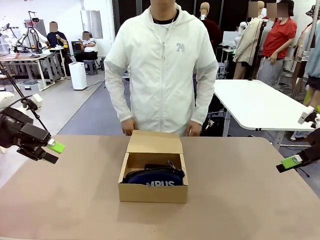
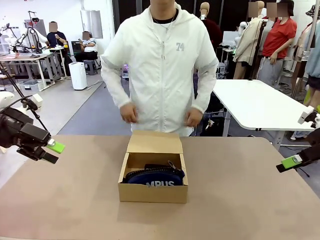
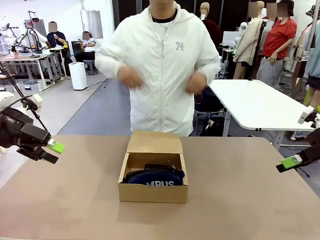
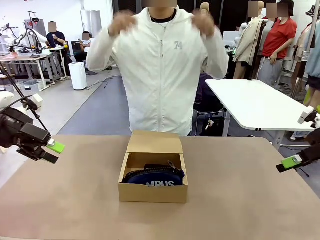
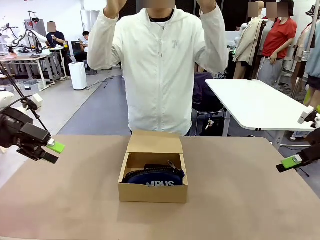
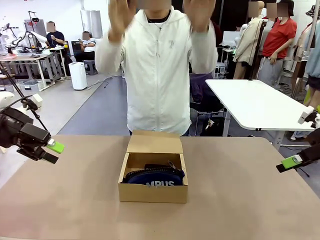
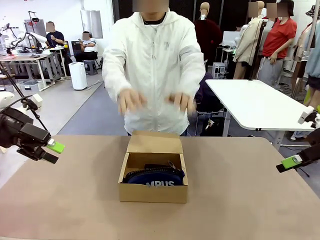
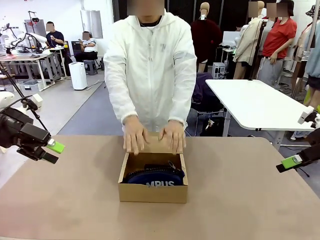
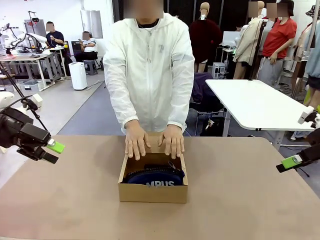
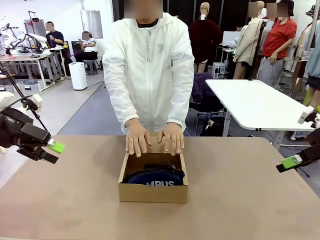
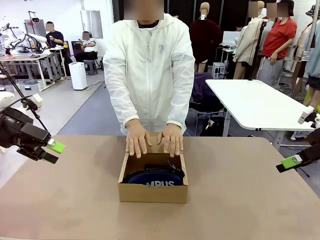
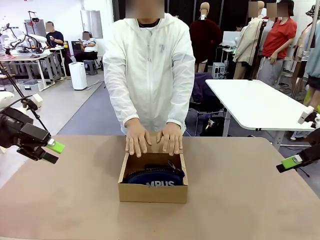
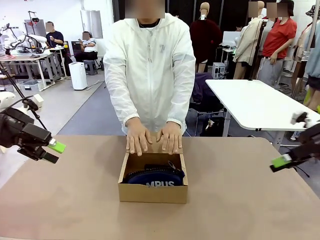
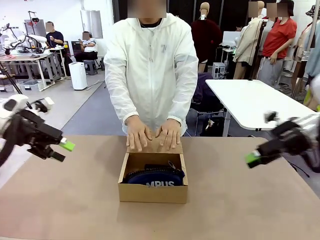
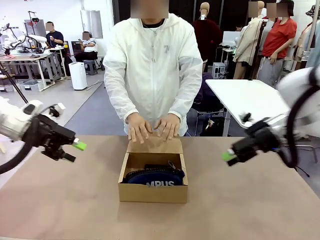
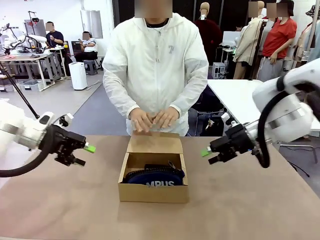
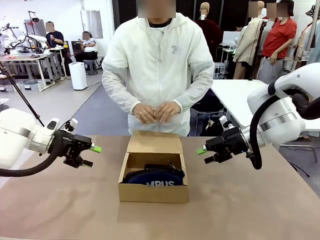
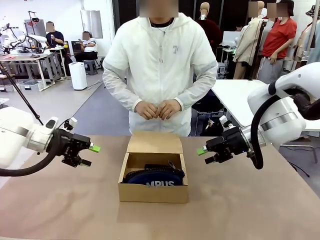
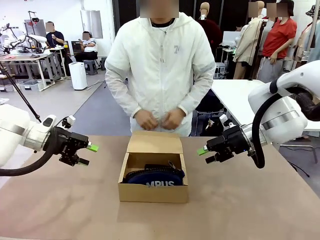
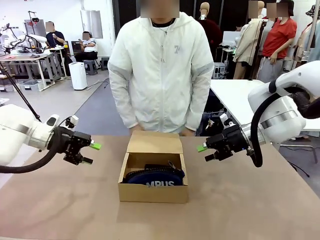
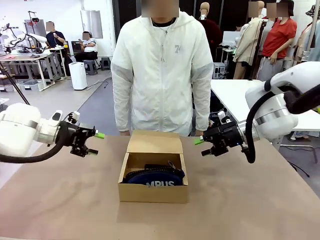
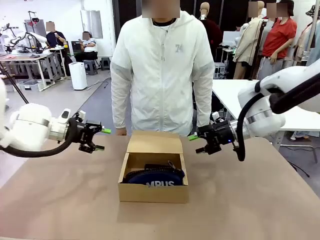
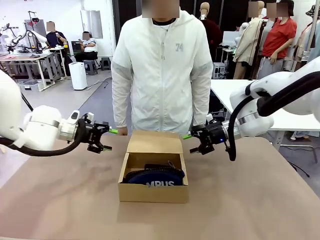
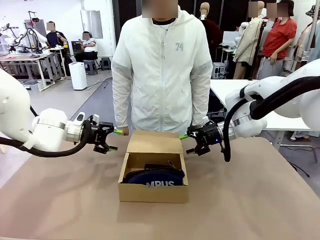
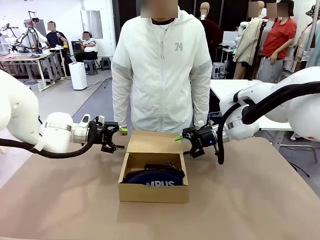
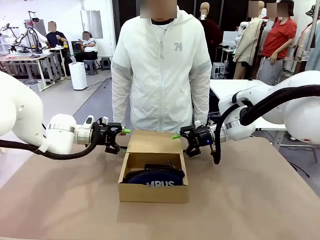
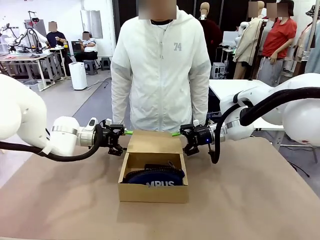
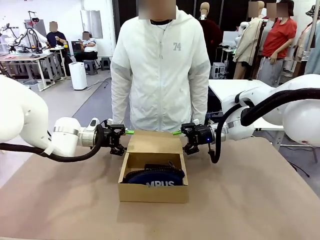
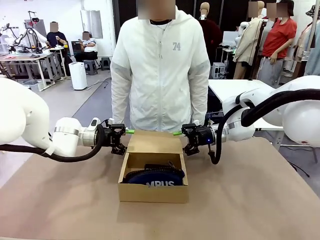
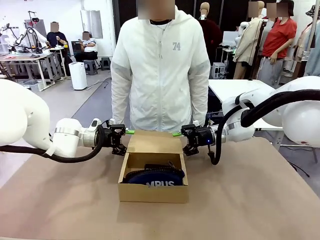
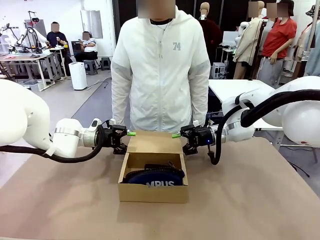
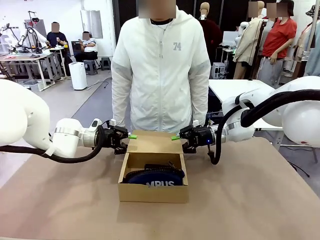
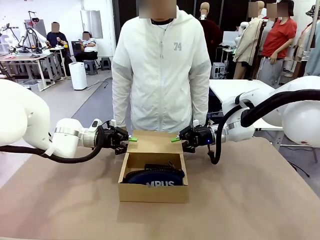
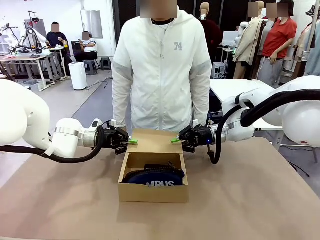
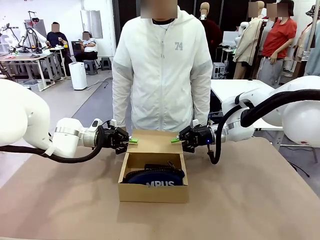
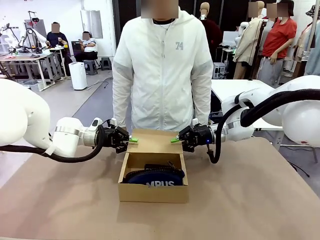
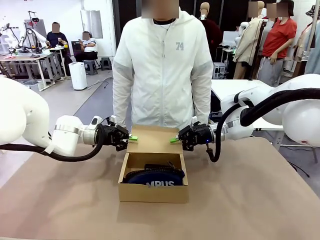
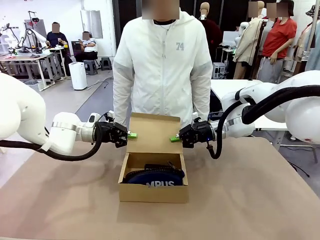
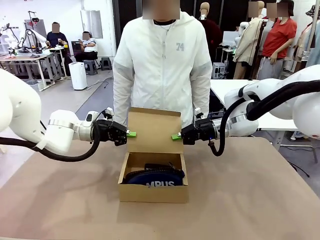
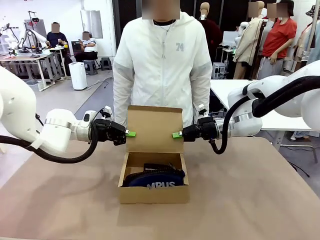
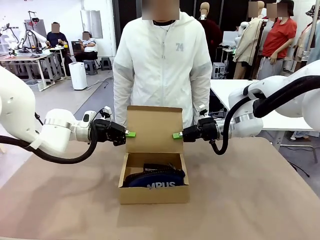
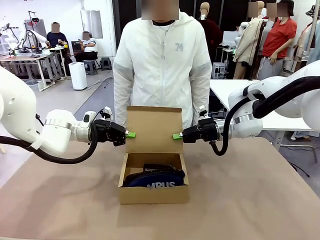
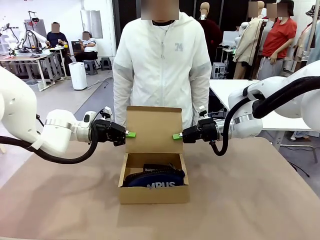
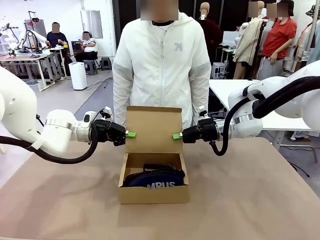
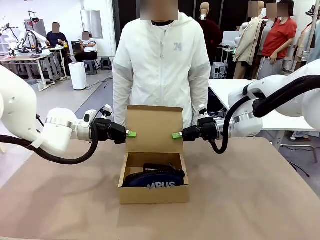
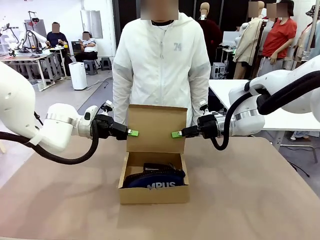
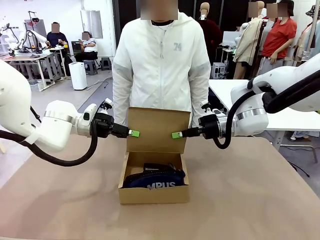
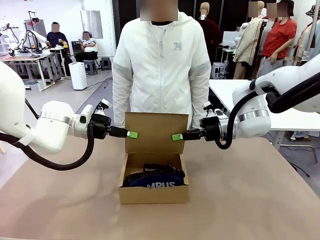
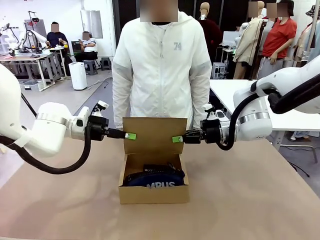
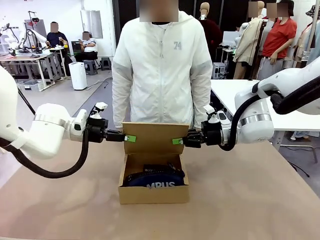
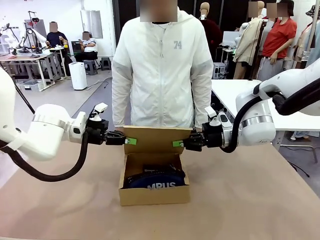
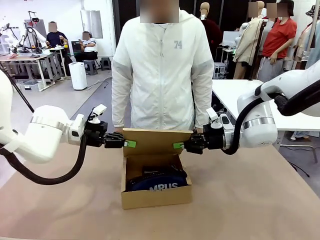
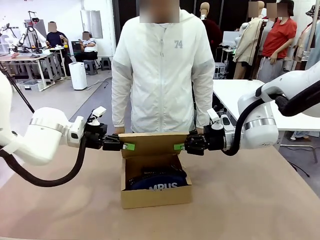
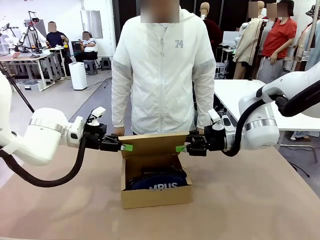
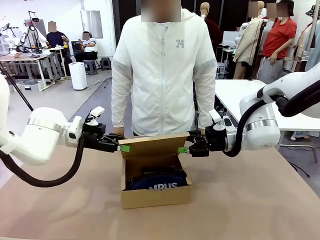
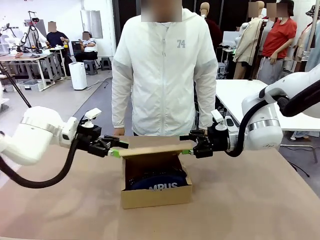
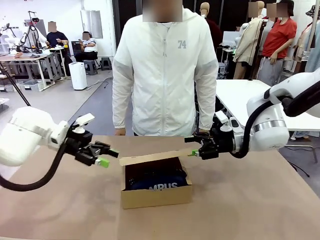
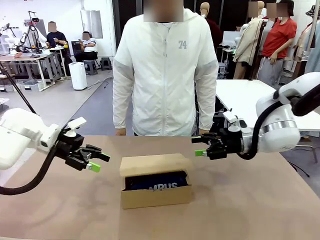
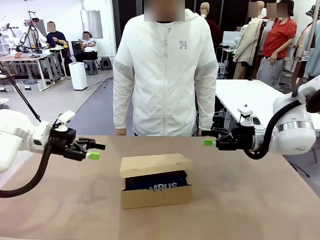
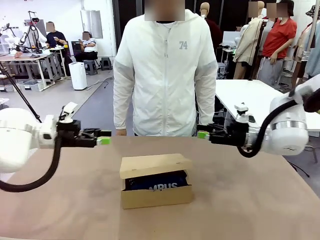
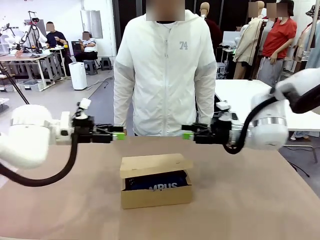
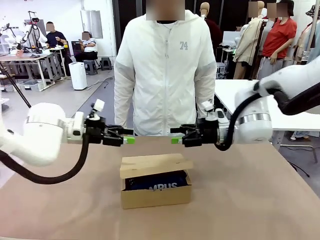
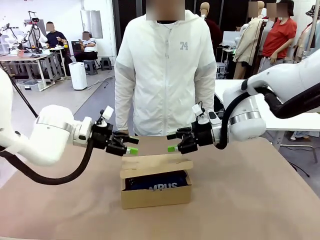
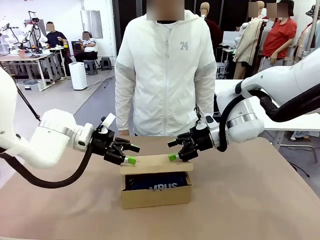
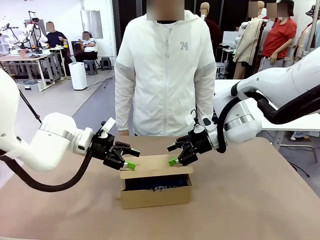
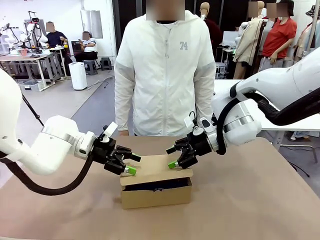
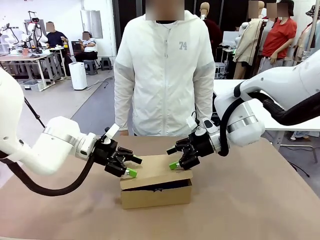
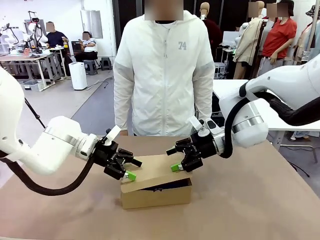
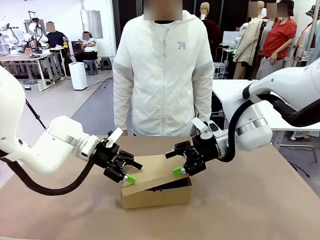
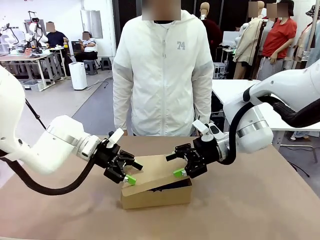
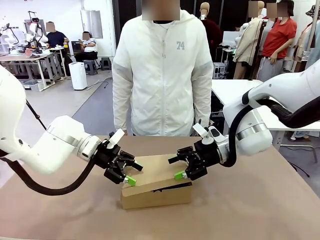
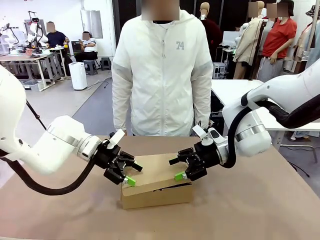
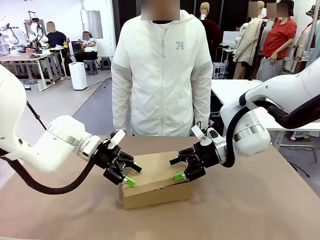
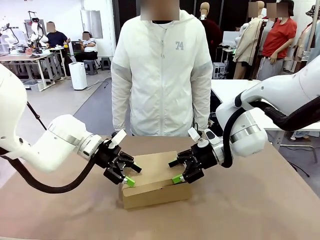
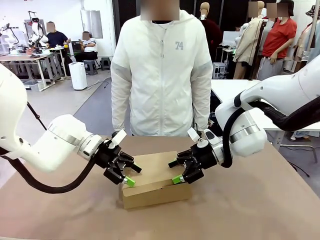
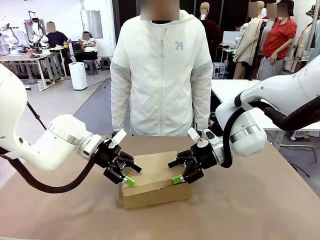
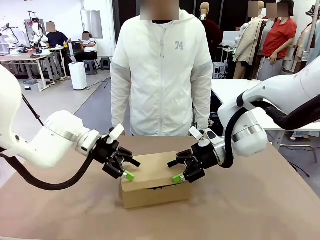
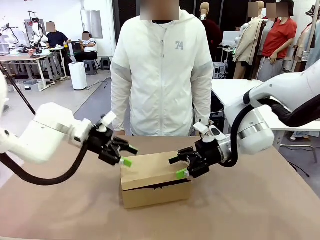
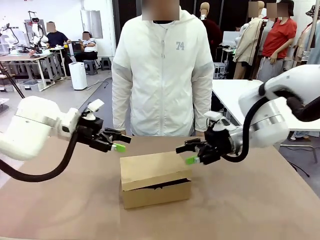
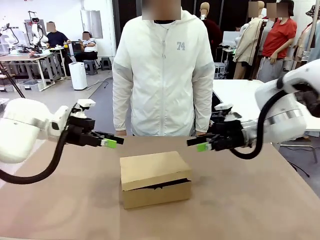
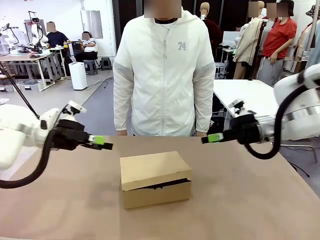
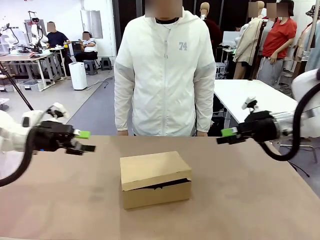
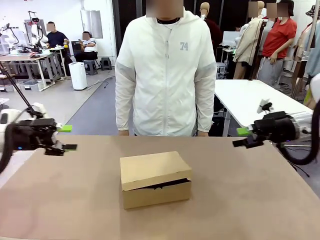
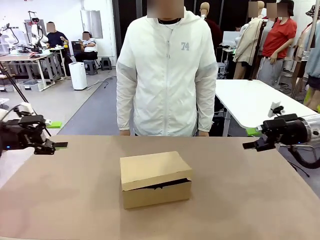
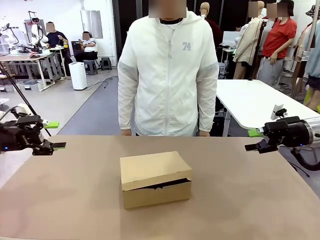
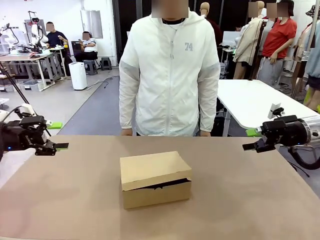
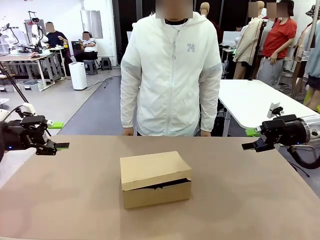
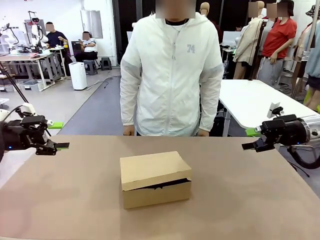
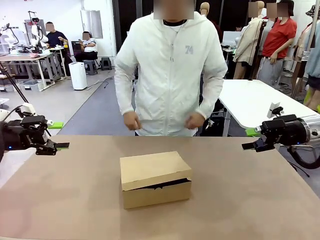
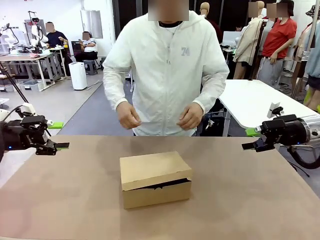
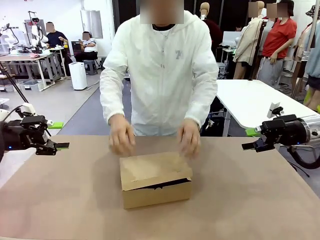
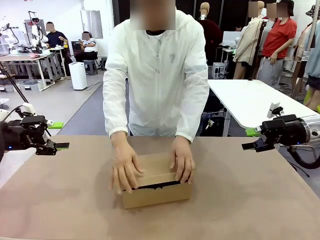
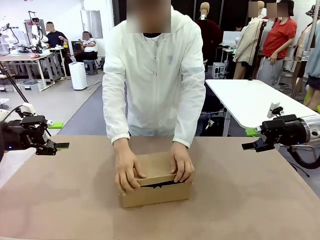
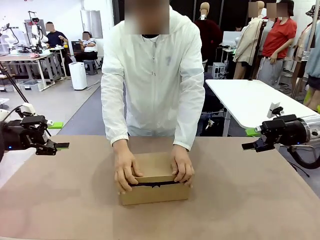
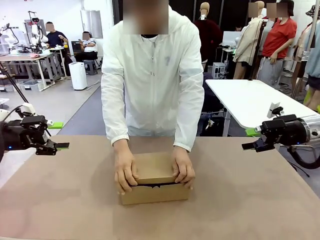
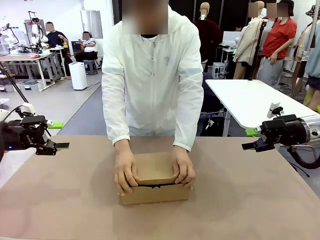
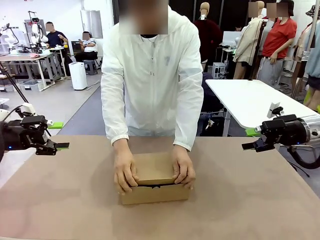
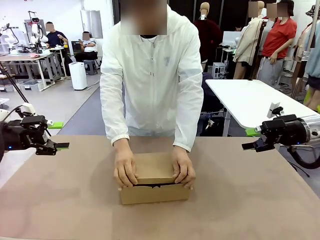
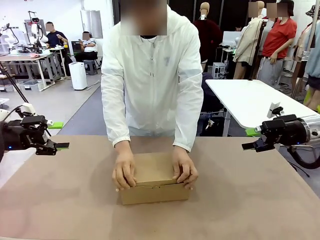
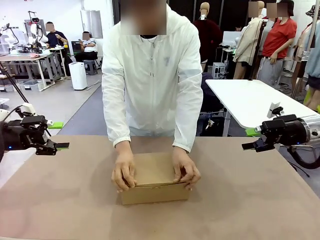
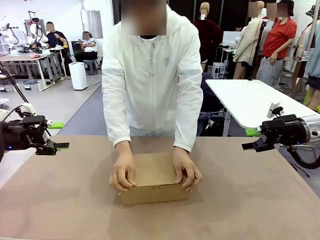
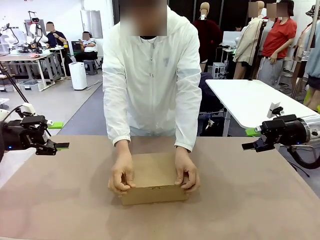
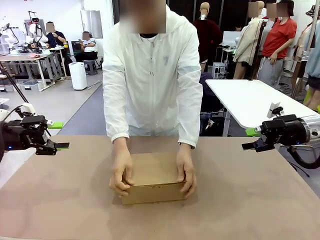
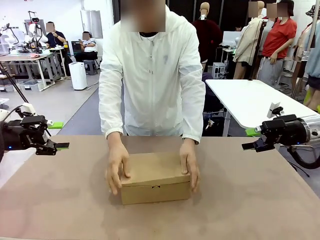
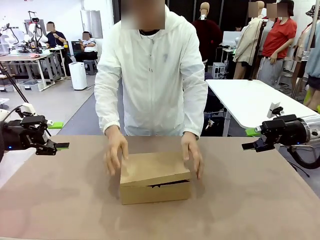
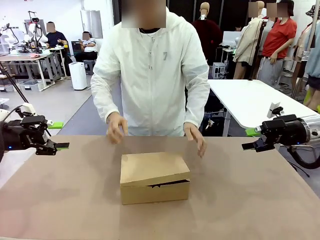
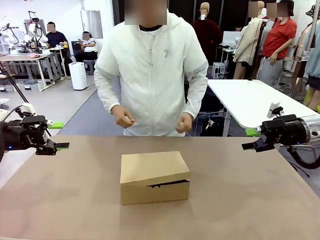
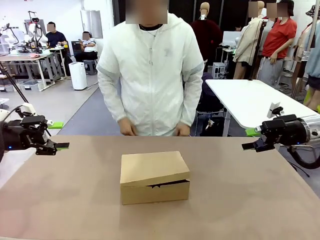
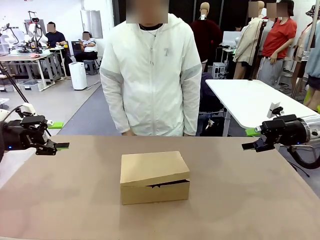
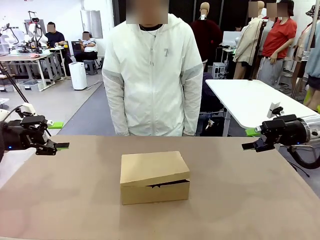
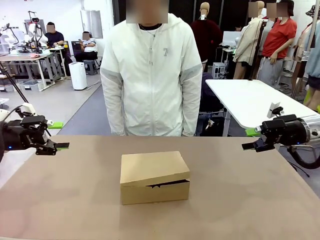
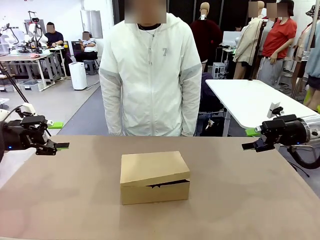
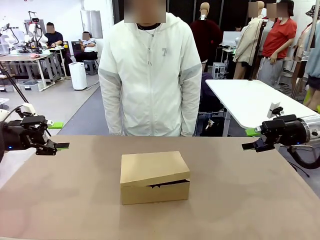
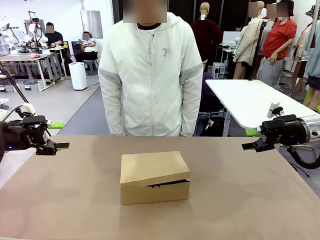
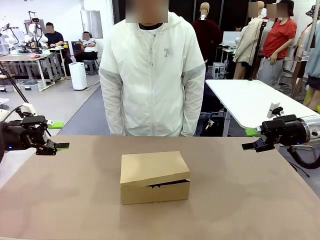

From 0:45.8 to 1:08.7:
Task: Pack the items into the box.
Robot: Close the Mailer Box.
Person: Turn the box and lock it.
